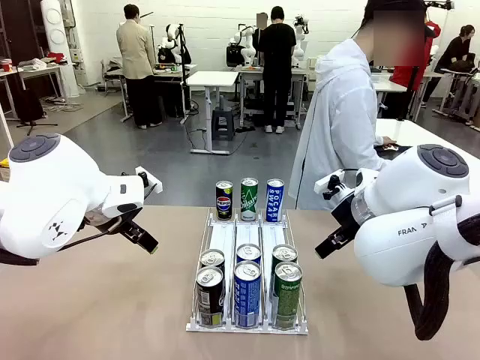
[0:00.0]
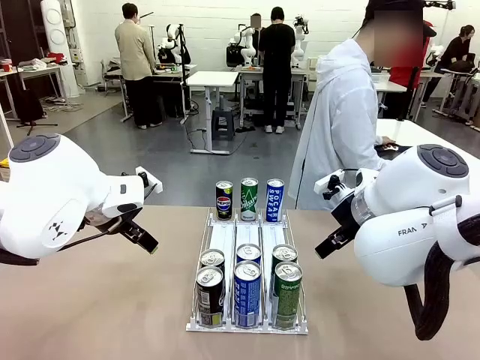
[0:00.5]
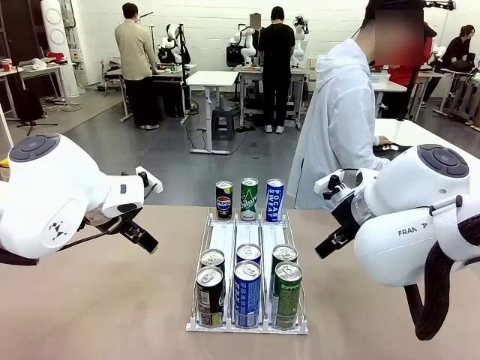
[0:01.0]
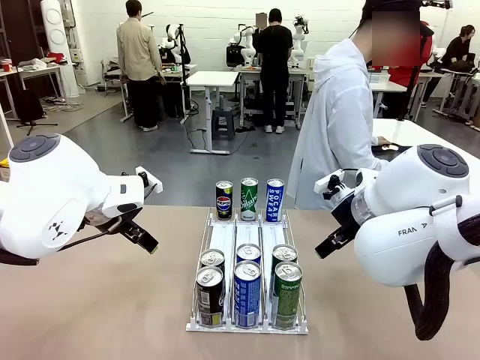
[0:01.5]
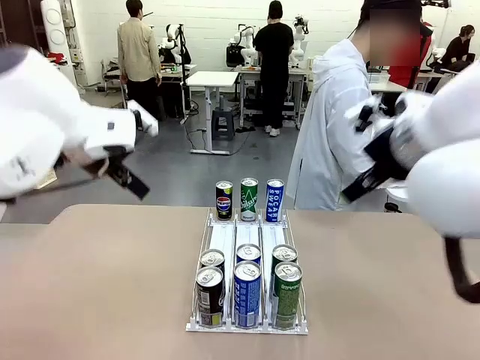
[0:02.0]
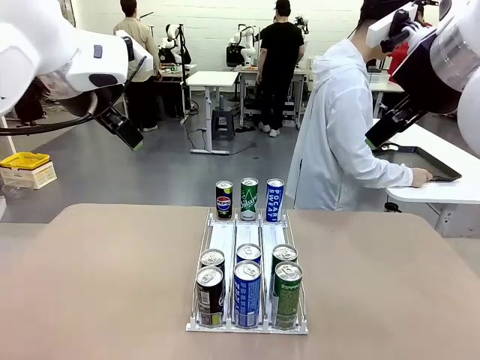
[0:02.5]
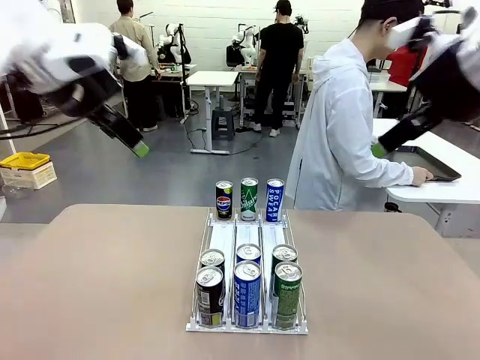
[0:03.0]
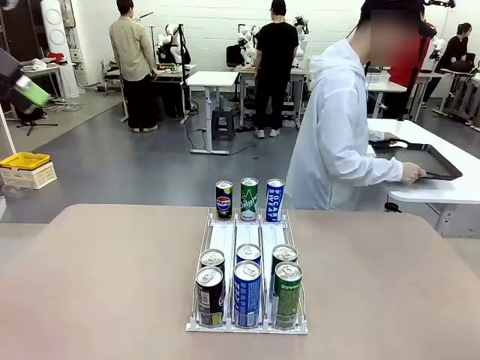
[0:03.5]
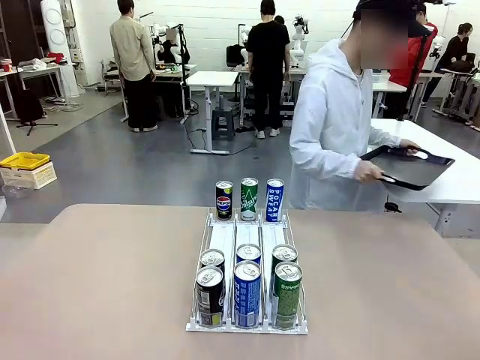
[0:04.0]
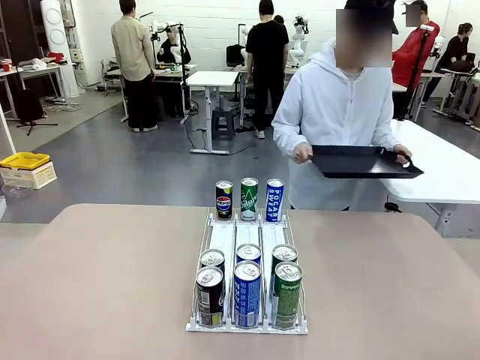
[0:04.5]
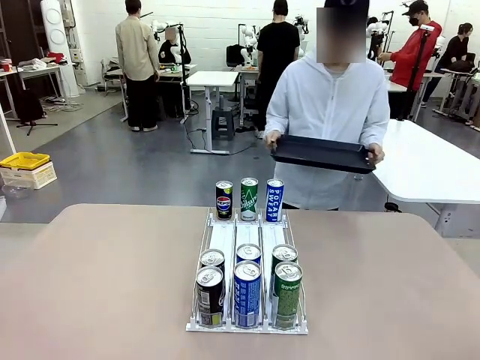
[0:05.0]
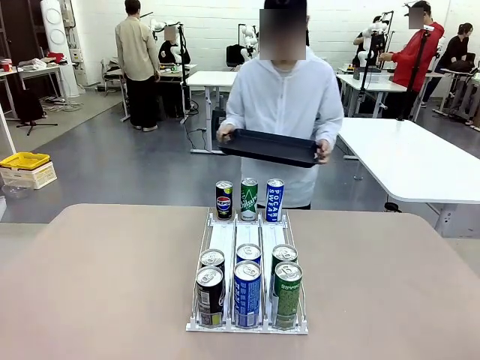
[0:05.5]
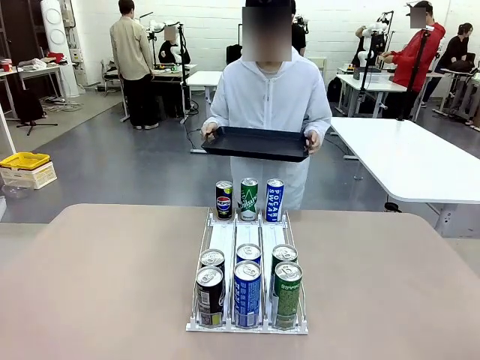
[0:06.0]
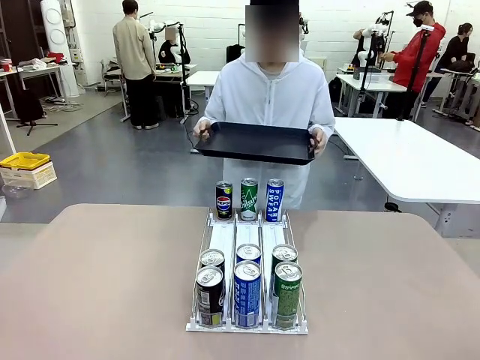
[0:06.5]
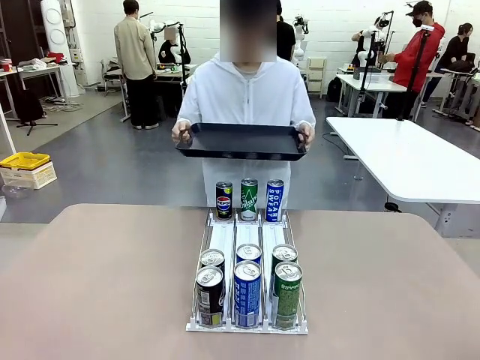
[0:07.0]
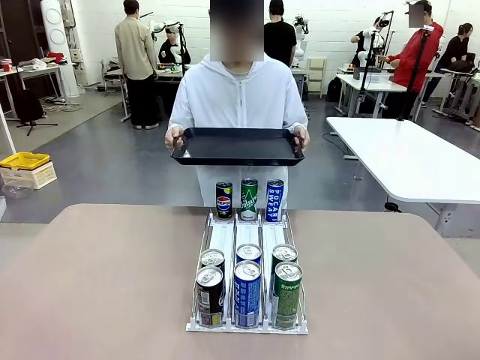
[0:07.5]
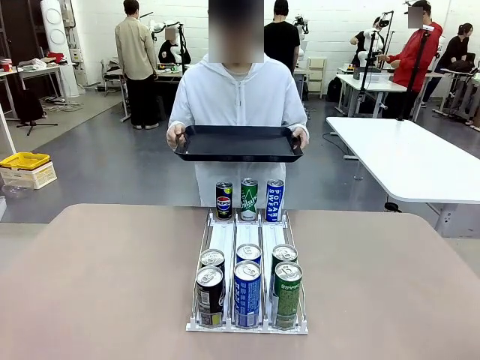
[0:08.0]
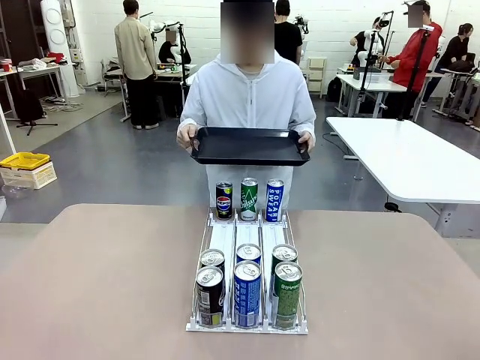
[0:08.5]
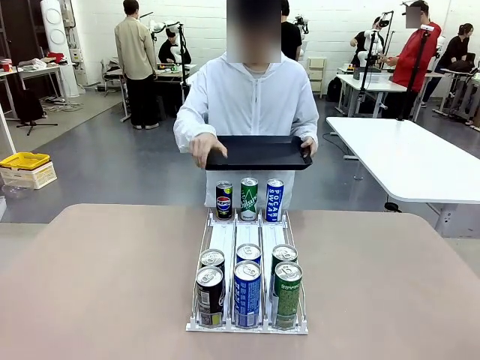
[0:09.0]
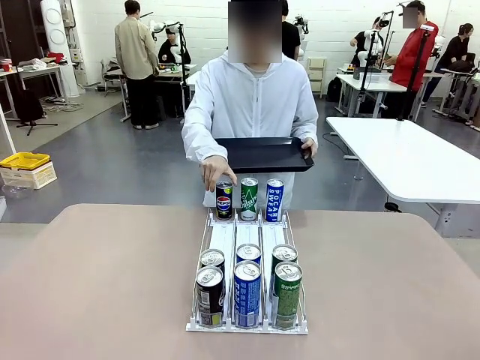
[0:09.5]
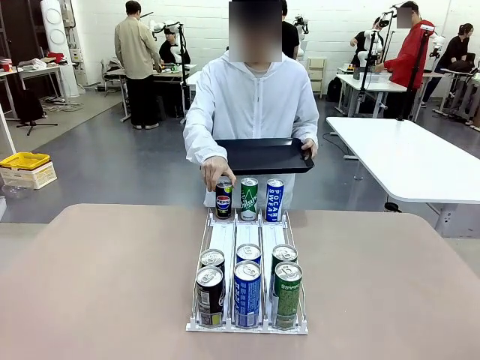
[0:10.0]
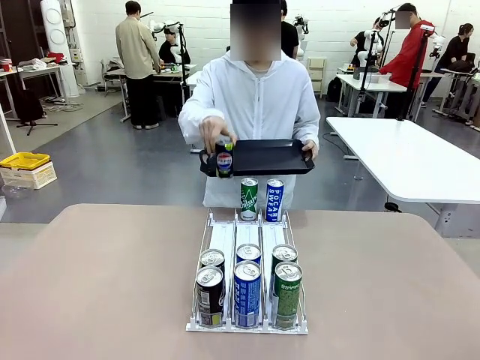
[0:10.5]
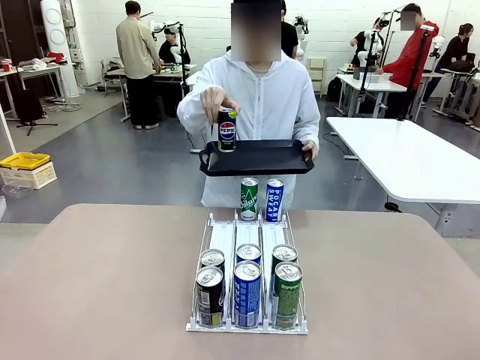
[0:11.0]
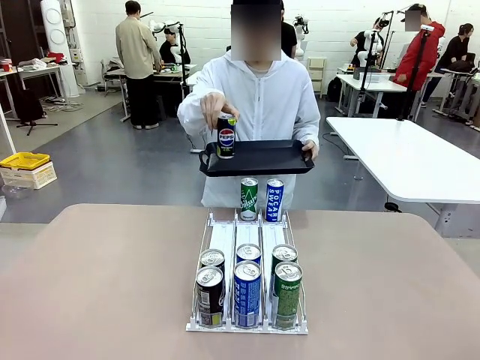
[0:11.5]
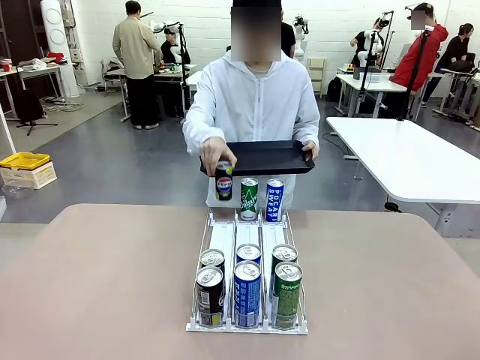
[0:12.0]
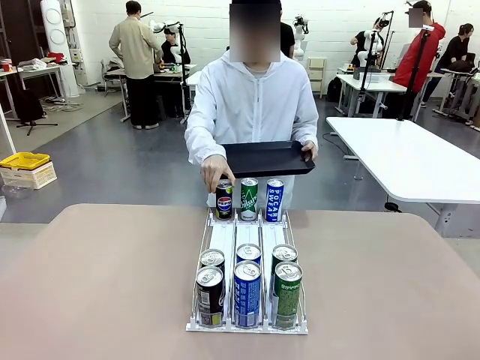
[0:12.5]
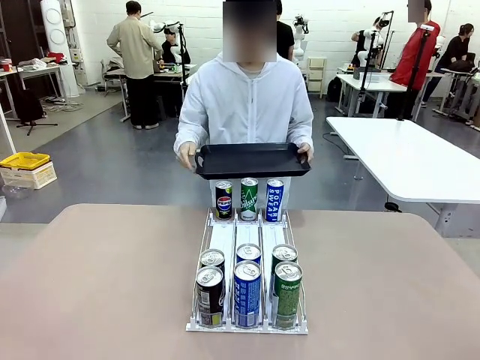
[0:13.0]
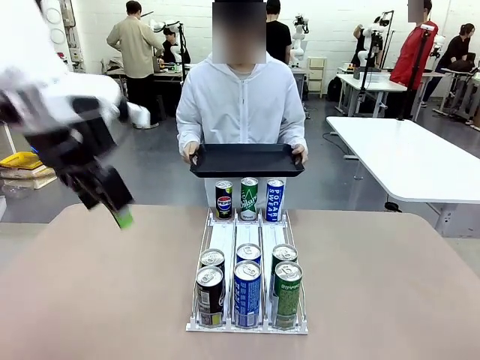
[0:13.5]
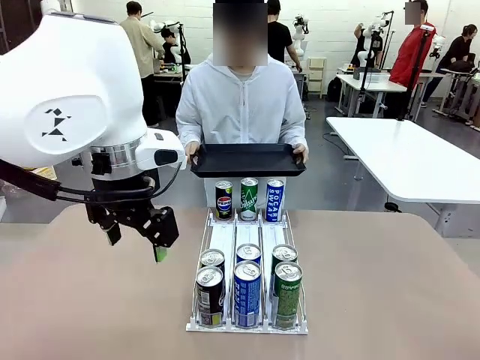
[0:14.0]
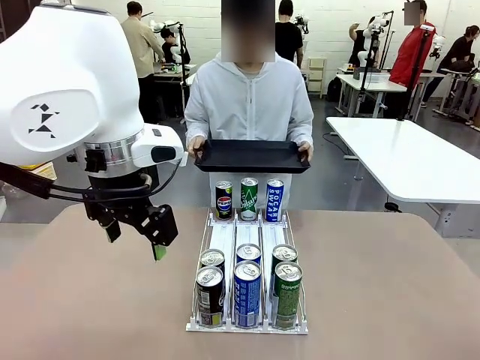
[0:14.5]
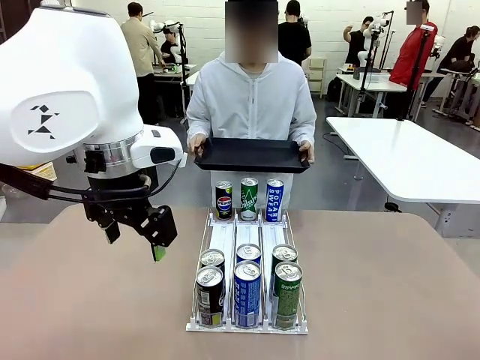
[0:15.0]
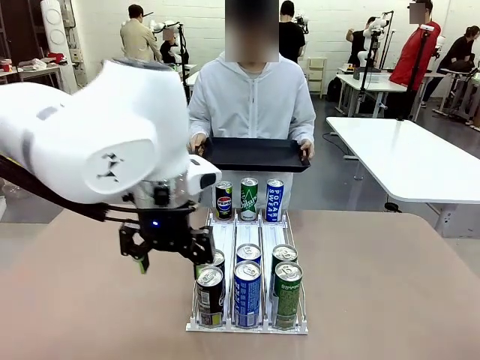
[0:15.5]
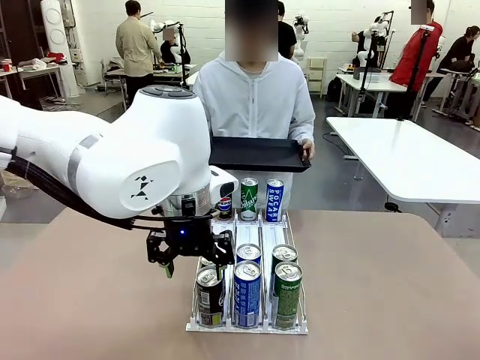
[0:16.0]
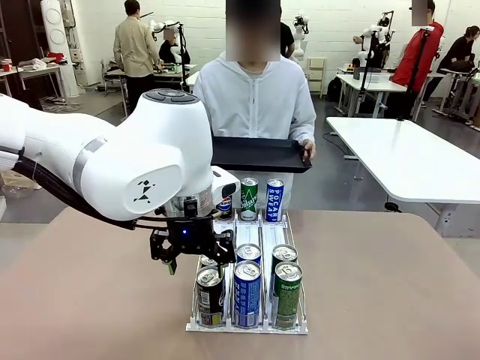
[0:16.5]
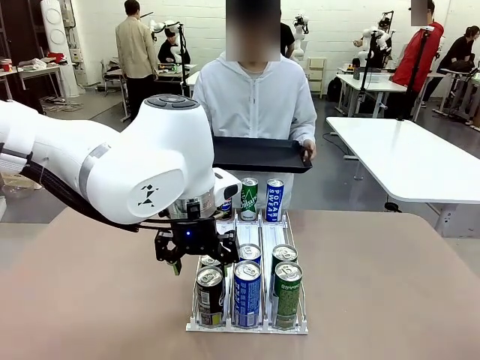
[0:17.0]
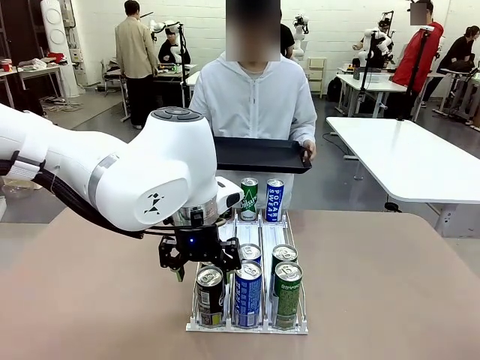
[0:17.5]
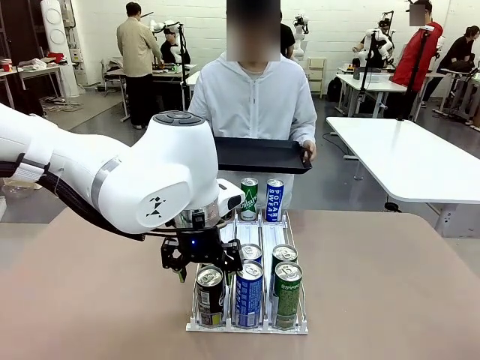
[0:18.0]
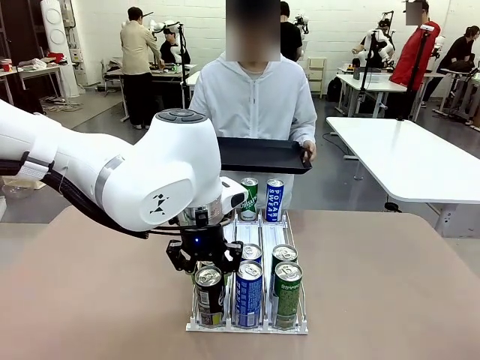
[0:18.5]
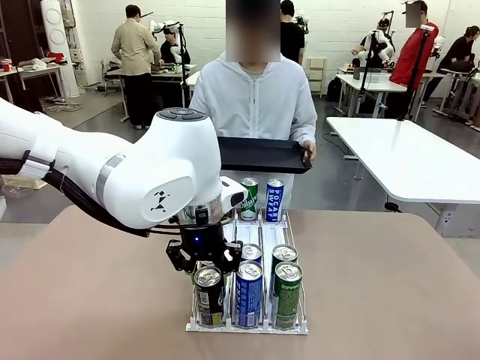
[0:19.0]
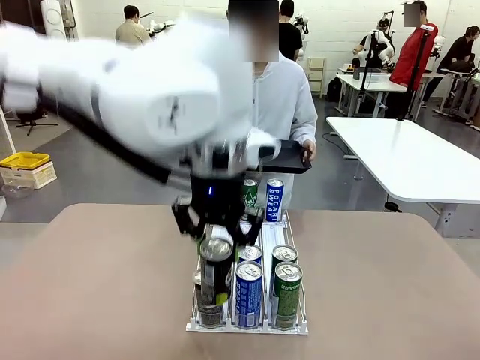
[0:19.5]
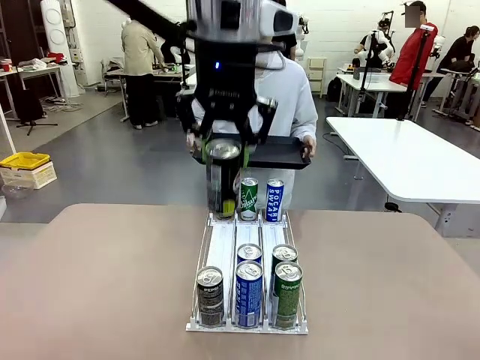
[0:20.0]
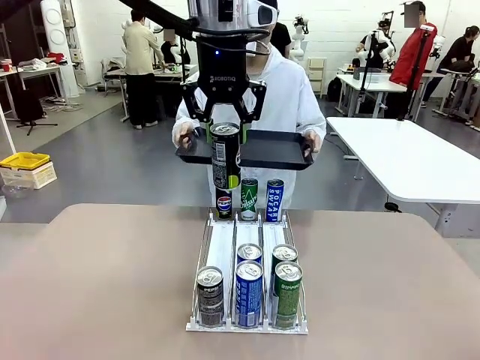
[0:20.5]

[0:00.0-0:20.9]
Task: Retrieve and hand over the desired beverage to the person.
Robot: Pick up a can of the same type that the person held from the Automatic Can Dispenser.
Person: Hold the tray and position yourself in front of the robot table. Pick up one can from the bottom area of the table and puts it back in its original place. Push the tray toward the robot.

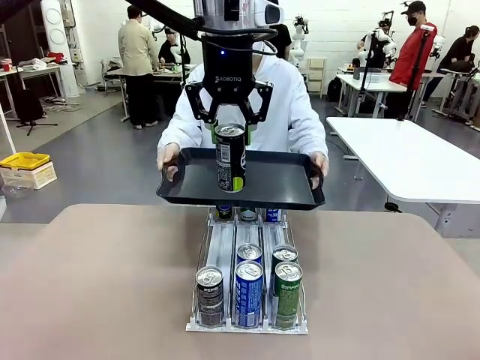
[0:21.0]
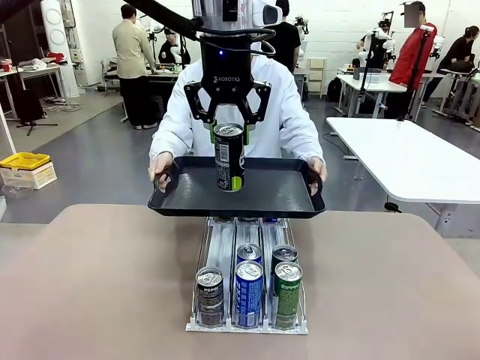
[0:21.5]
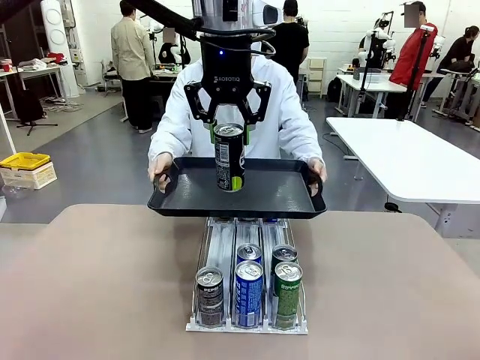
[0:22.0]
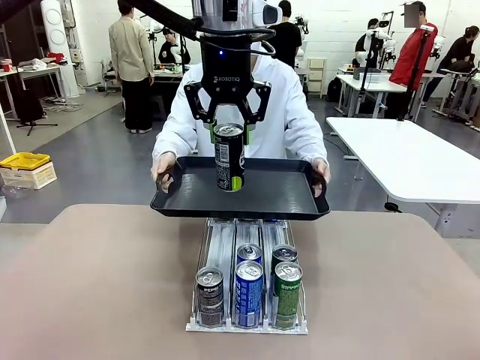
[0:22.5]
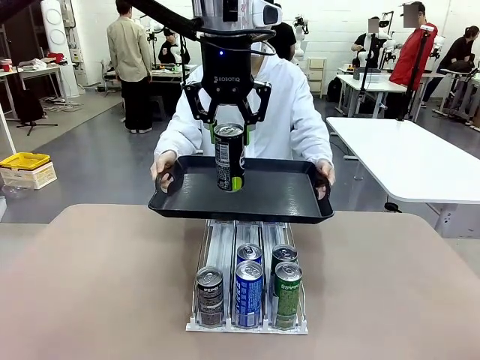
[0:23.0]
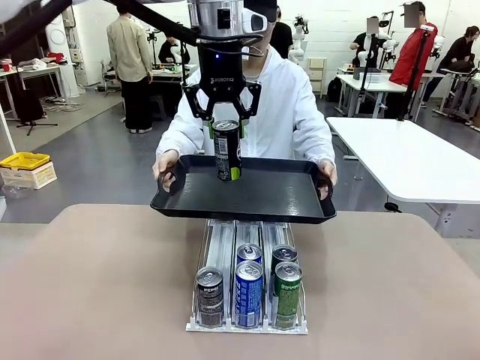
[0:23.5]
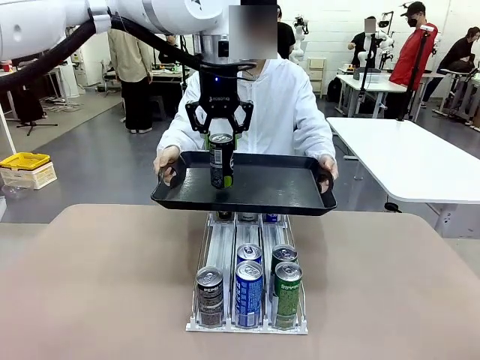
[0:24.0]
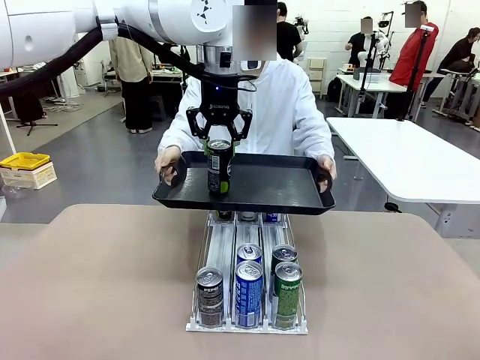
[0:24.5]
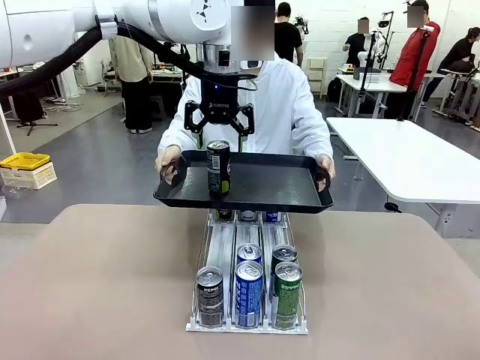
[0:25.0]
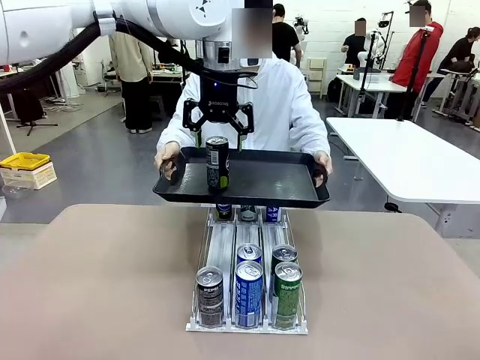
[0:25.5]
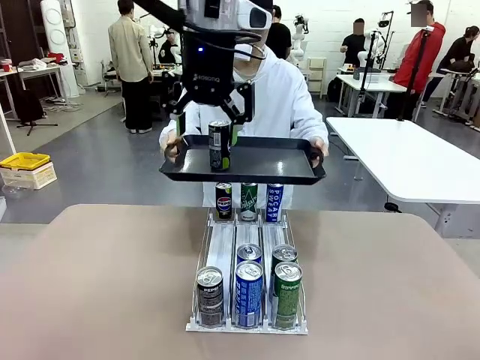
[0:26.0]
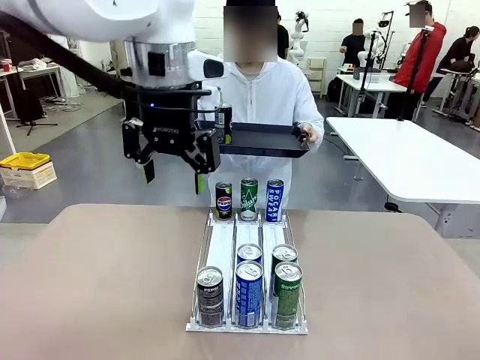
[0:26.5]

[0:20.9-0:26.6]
Robot: Place the picked can on the Handle tray extended by the person.
